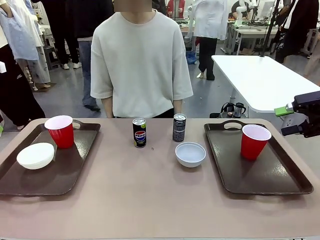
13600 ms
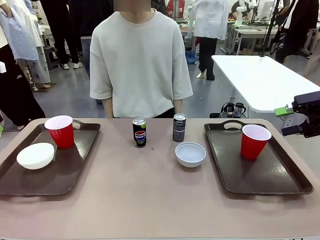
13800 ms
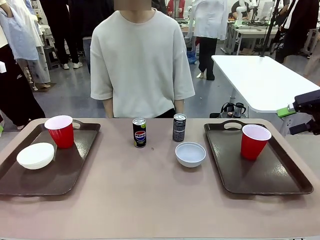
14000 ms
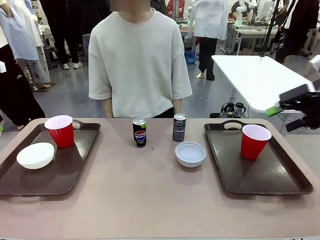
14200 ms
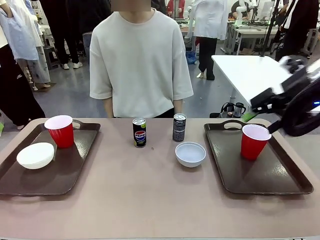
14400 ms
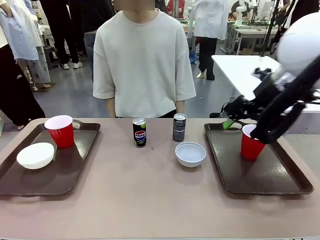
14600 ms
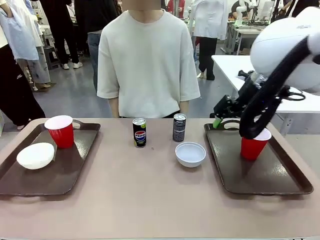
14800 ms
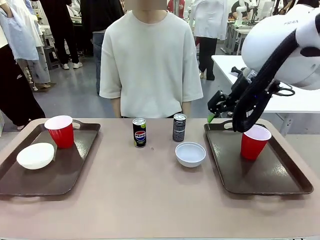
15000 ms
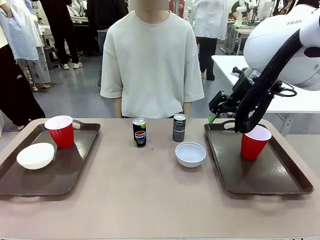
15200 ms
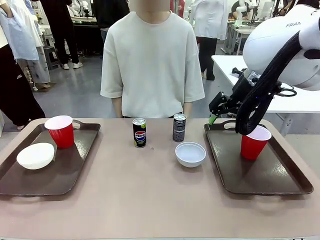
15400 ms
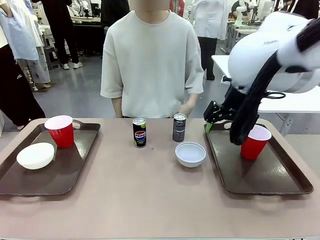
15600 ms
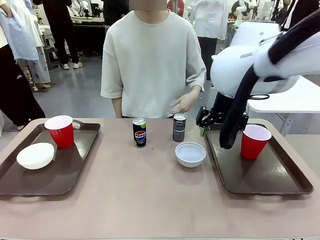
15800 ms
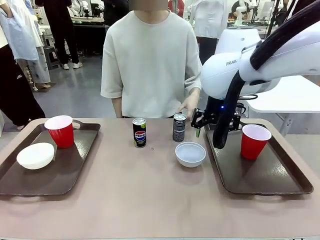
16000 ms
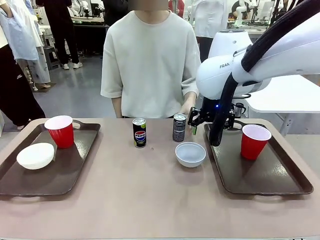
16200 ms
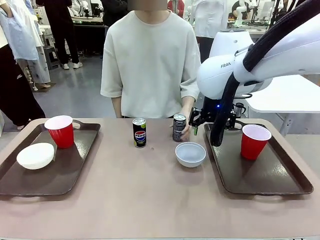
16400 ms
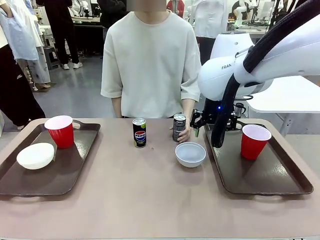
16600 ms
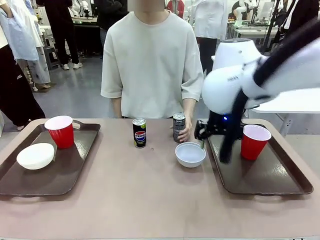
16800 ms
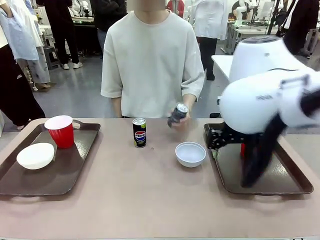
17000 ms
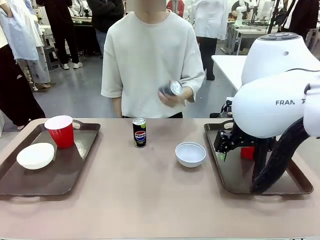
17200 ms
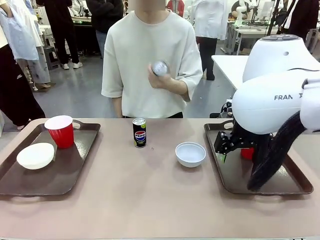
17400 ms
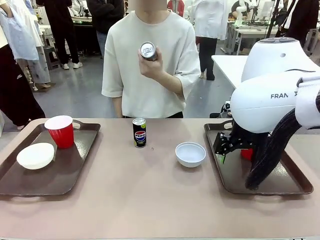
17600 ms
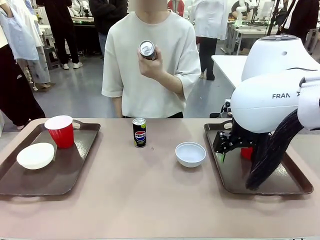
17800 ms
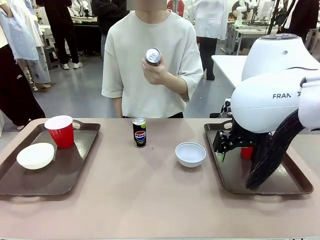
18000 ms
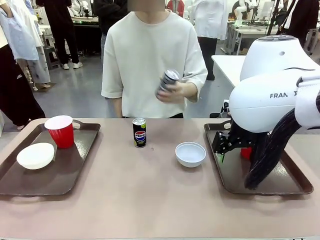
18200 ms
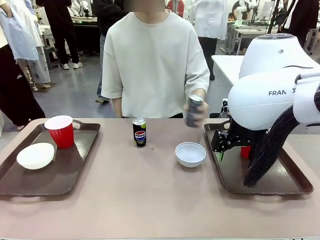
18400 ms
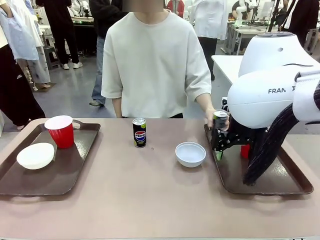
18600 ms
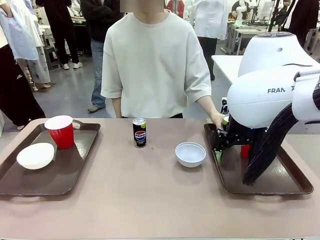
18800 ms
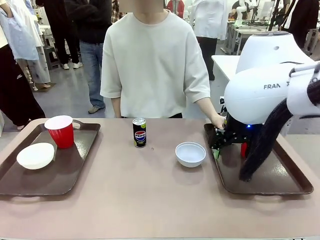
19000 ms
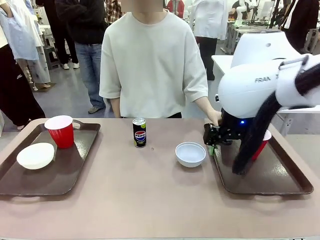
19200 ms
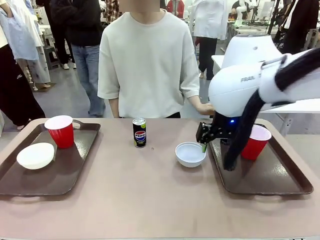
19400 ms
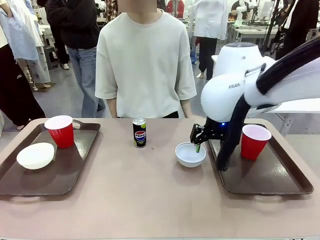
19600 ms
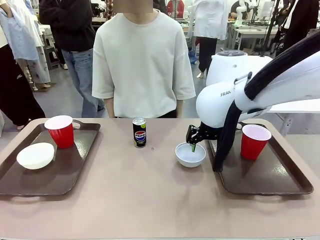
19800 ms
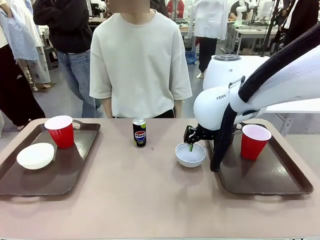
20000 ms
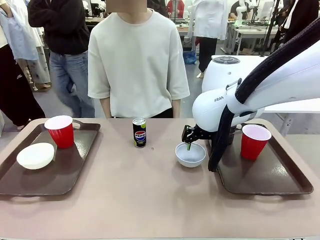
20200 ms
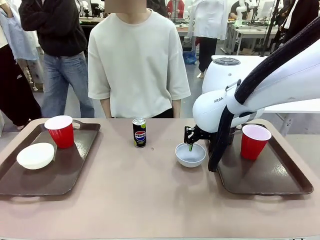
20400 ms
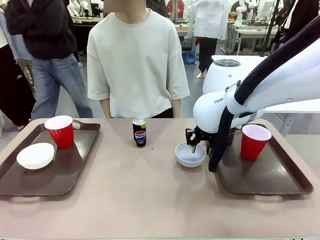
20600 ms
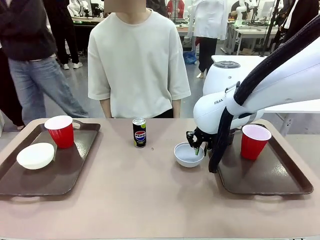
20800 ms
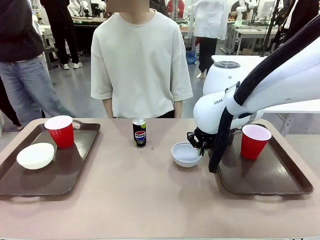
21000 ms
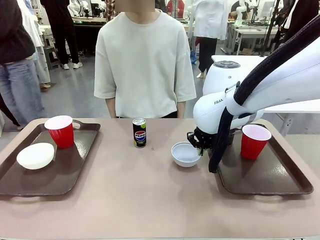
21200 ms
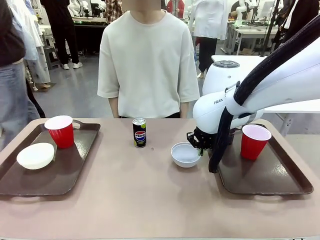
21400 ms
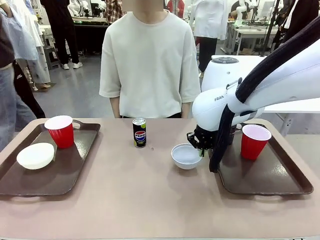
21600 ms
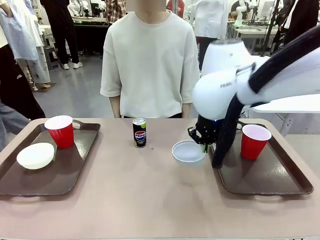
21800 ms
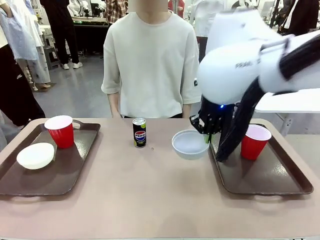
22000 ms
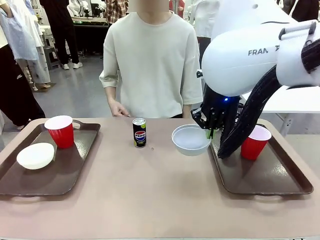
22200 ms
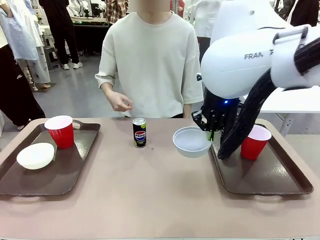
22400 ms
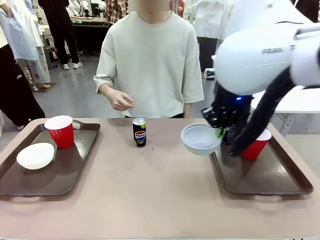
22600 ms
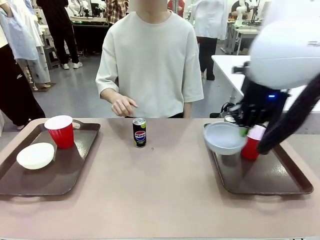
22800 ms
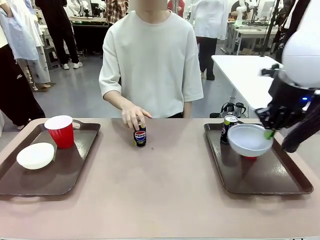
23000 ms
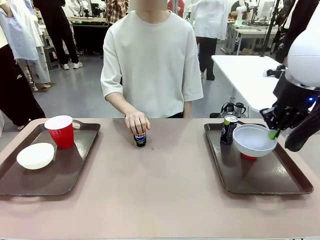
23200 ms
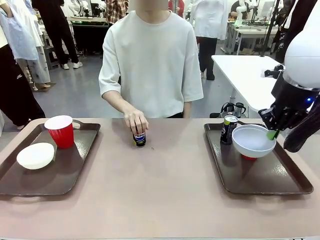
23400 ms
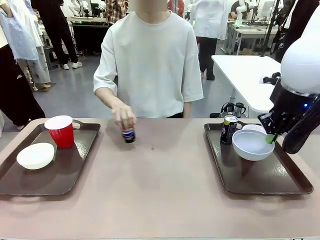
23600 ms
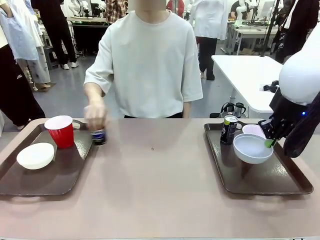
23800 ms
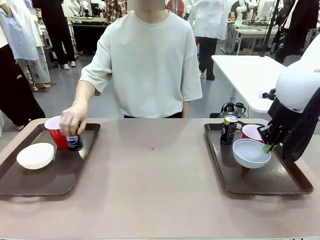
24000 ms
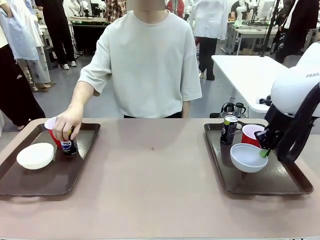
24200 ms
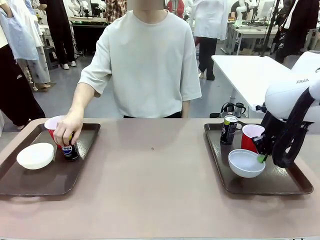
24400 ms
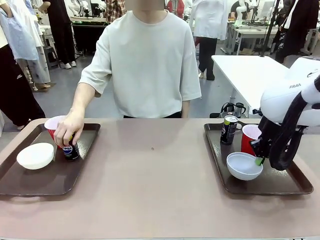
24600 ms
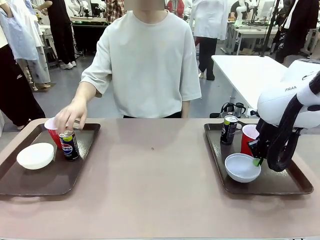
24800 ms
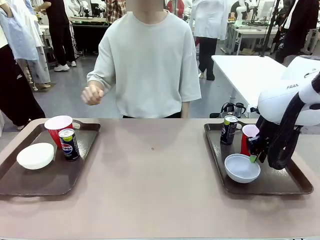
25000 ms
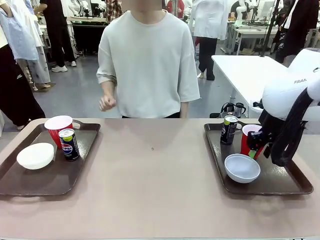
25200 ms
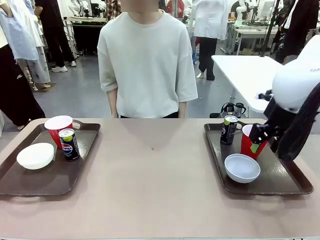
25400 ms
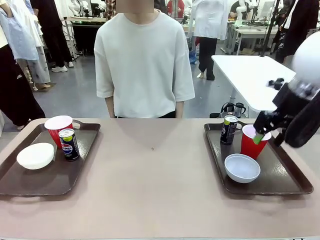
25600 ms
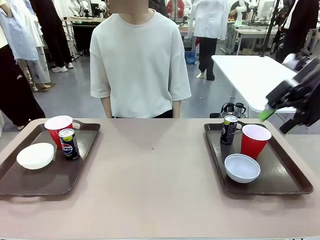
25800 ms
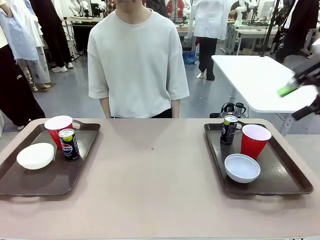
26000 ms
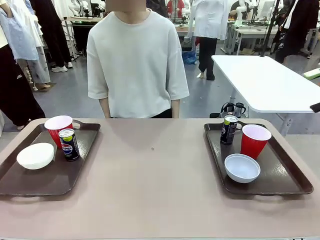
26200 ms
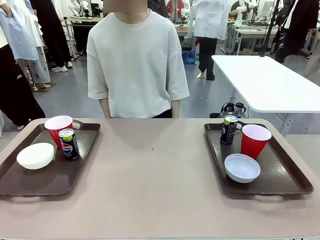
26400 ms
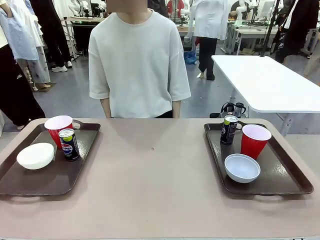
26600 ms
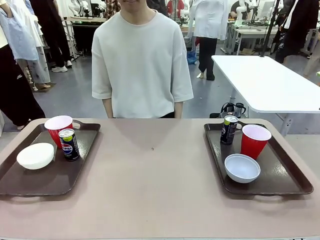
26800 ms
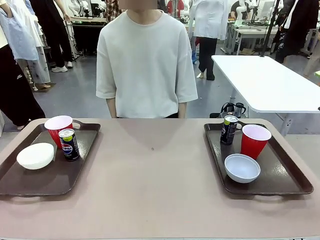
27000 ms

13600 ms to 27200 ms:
Task: Prepare tableware on both trays.
Robot: Pick up a Picnic Bowl from the table and place it on a Handle tray.
Person: Pick up a can or cup and place it on the tray without a can or cup.

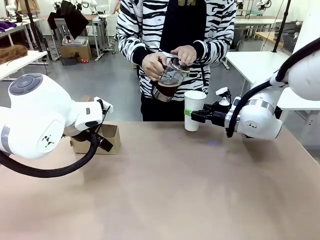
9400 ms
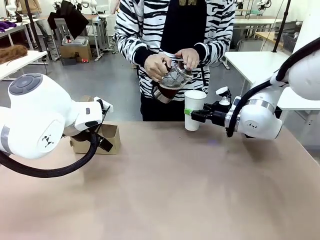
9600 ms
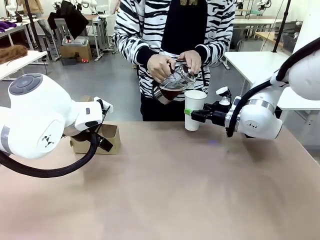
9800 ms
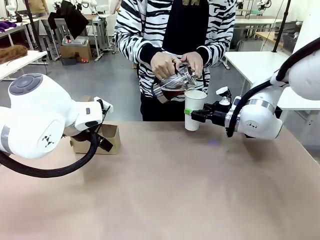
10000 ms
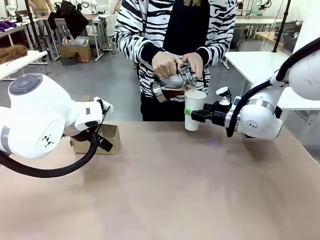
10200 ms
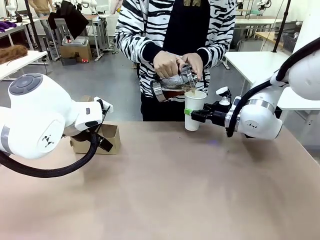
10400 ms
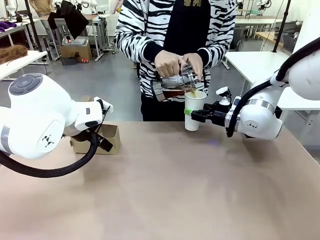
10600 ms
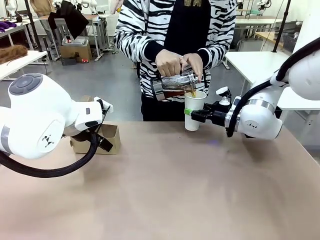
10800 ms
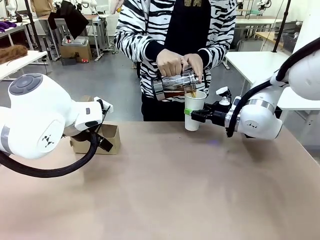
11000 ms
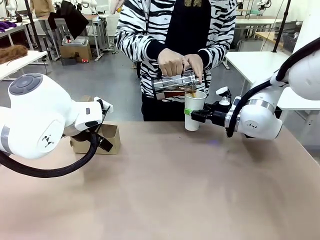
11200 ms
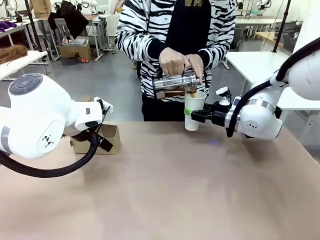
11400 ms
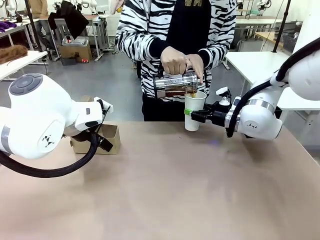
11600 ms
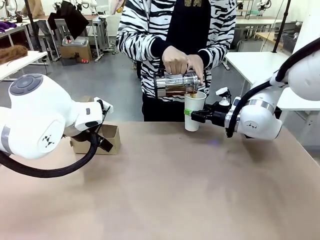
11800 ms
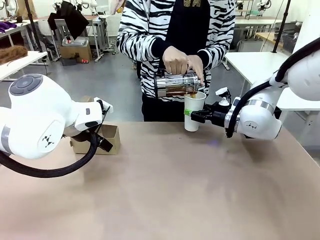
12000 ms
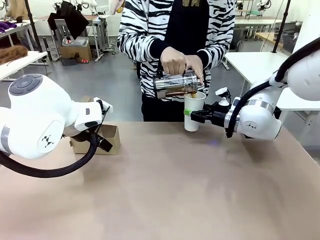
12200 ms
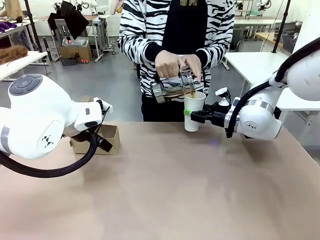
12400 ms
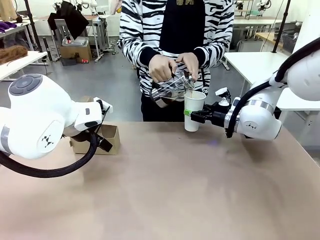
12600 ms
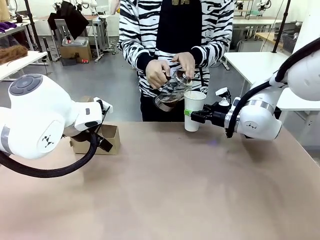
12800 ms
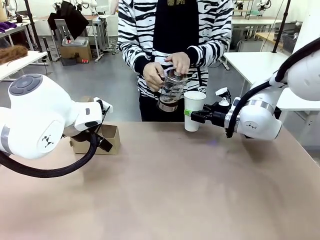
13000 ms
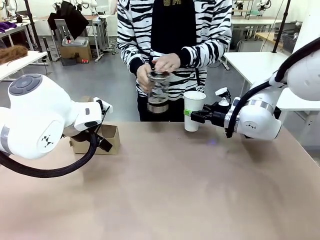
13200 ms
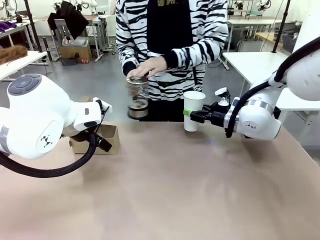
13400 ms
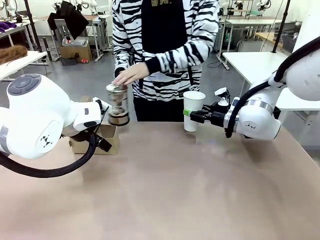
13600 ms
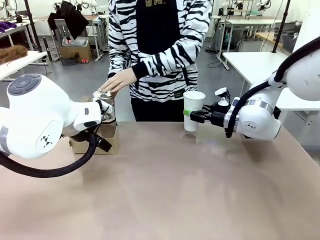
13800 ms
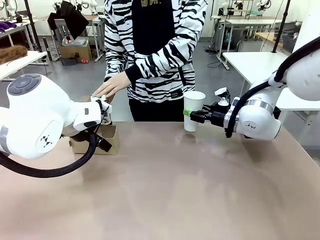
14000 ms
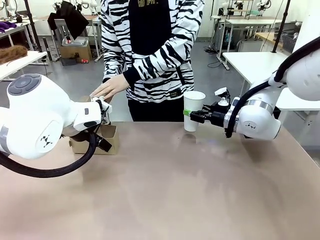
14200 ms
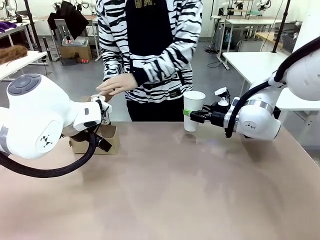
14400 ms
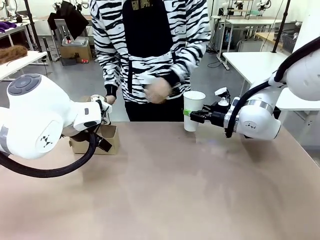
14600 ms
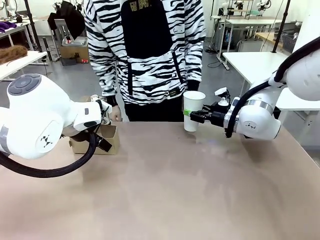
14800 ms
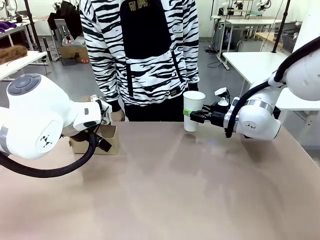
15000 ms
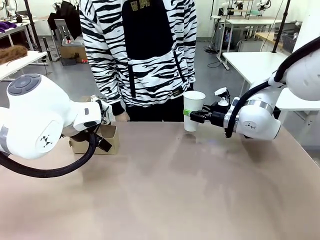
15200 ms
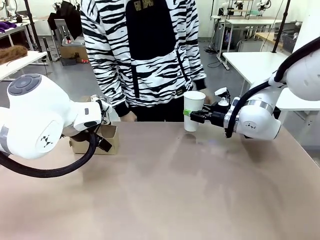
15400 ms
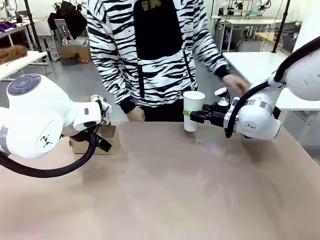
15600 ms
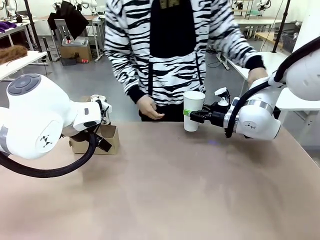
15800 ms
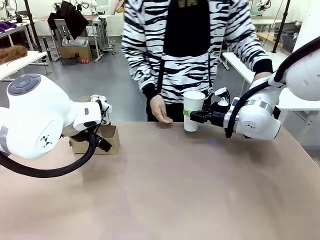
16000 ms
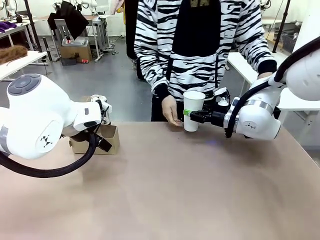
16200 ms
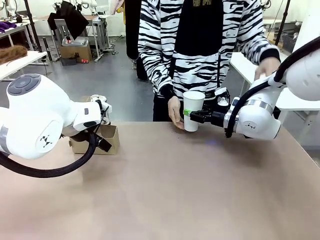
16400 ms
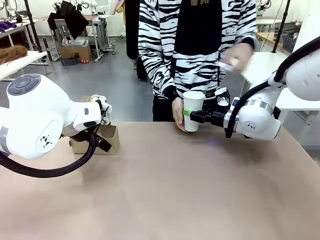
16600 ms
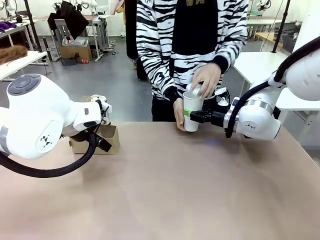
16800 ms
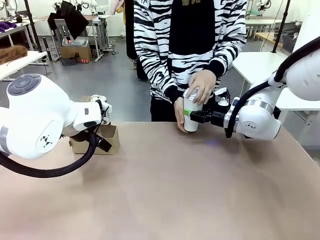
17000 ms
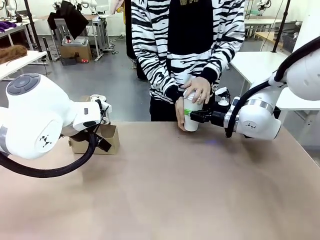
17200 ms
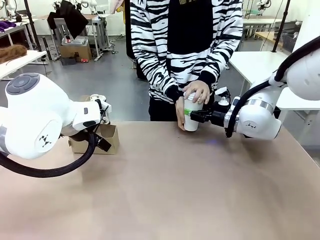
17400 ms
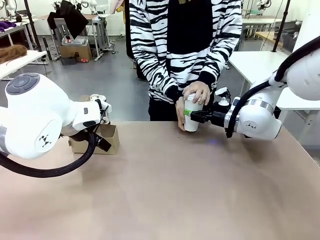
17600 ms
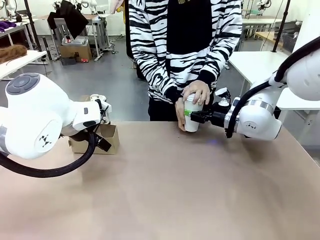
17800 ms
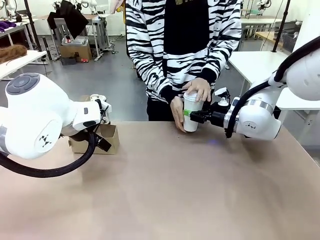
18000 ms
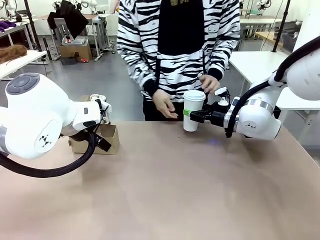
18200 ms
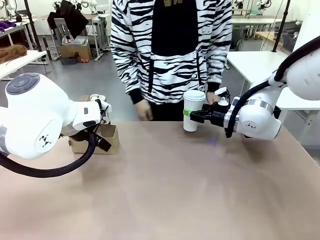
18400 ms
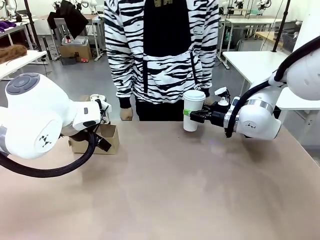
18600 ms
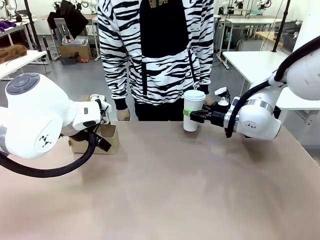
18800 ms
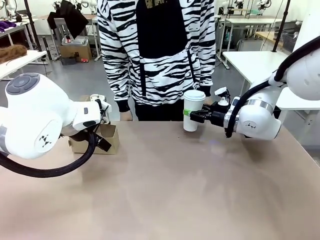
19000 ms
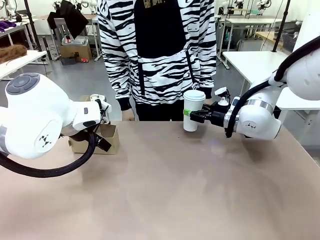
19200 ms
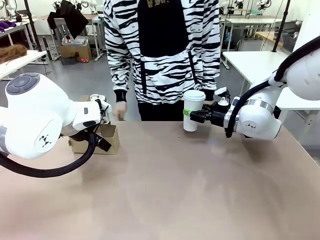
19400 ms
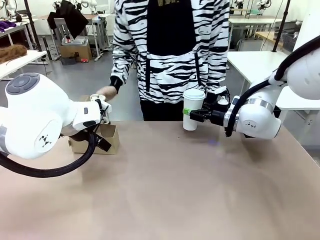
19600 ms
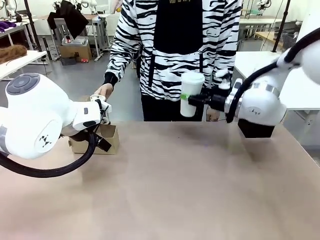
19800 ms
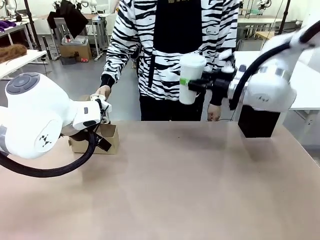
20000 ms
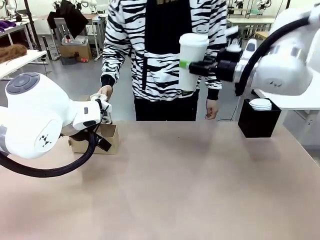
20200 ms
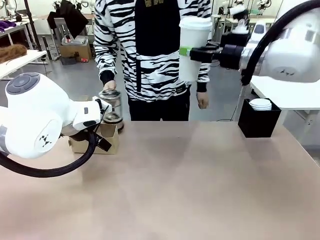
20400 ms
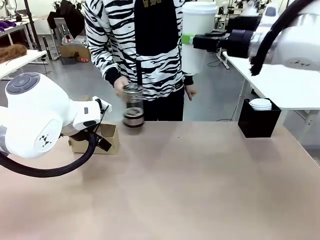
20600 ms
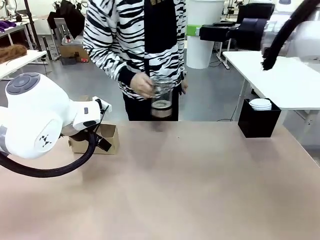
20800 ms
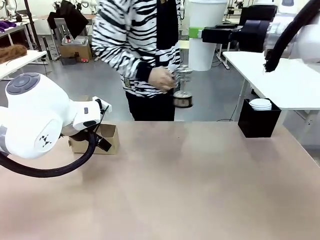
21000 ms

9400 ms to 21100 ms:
Task: Pour a drink into a cup and package it in a carrier.
Robot: When a person places the Paper Cup Lid on the 600 ml Paper Cup , lift the 600 ml Paper Cup.
Person: Pour the drink from the Filter Brewing into the 600 ml Paper Cup. Place a Paper Cup Lid on the 600 ml Paper Cup.
